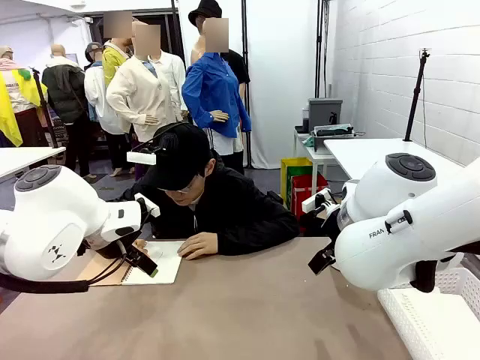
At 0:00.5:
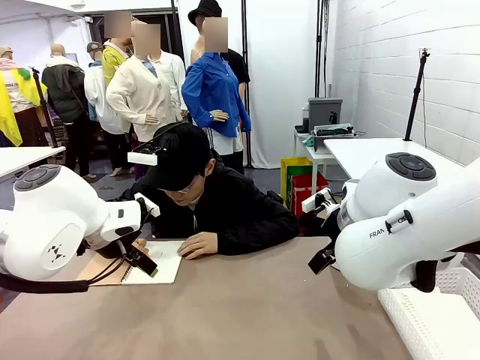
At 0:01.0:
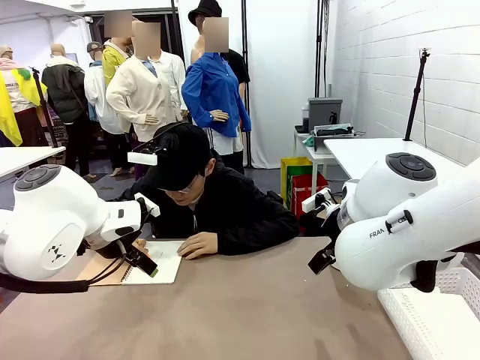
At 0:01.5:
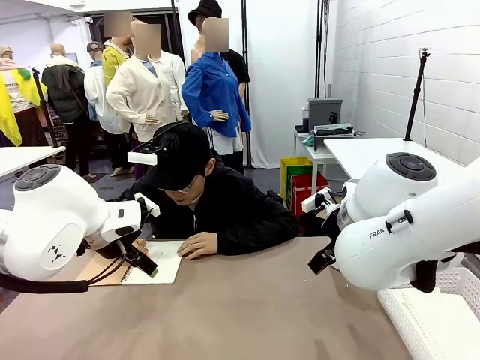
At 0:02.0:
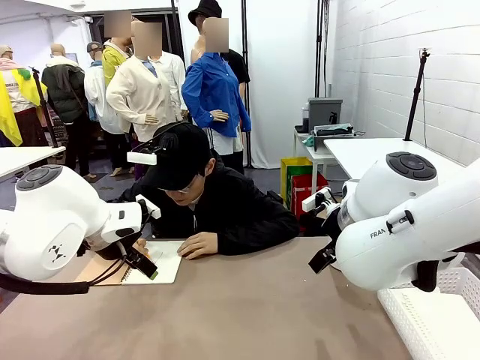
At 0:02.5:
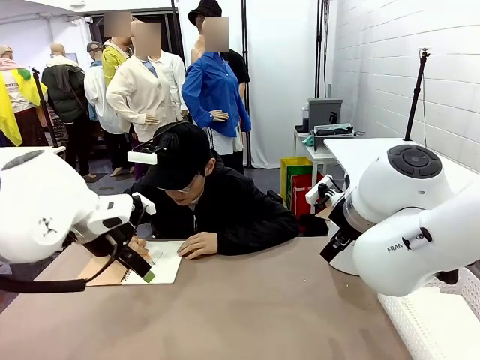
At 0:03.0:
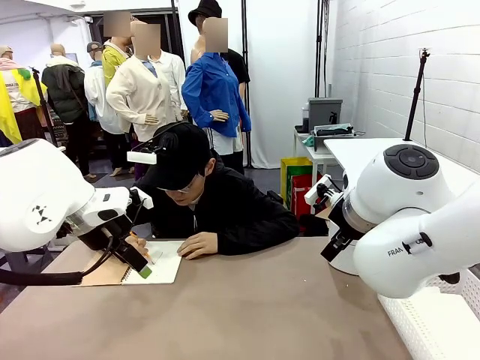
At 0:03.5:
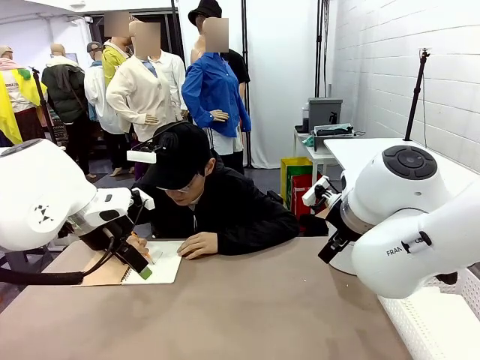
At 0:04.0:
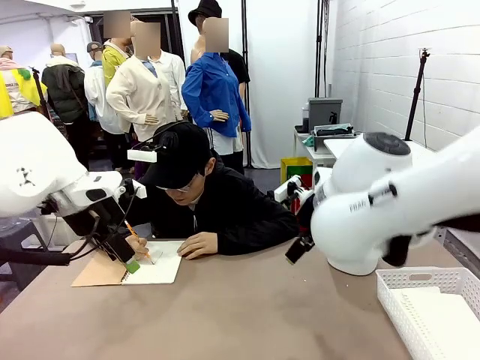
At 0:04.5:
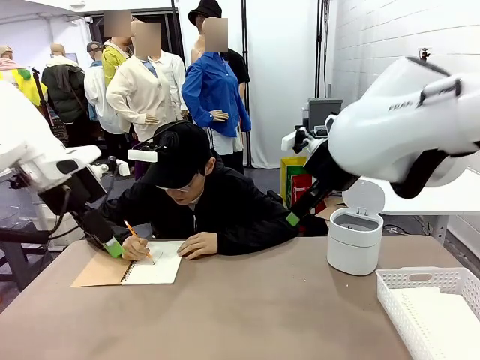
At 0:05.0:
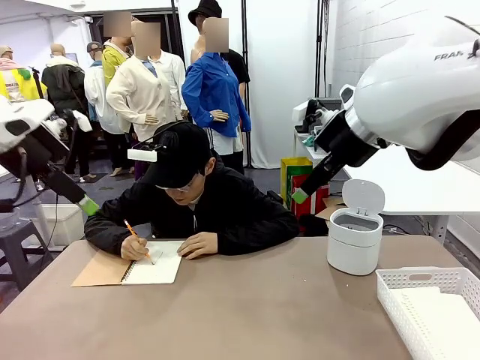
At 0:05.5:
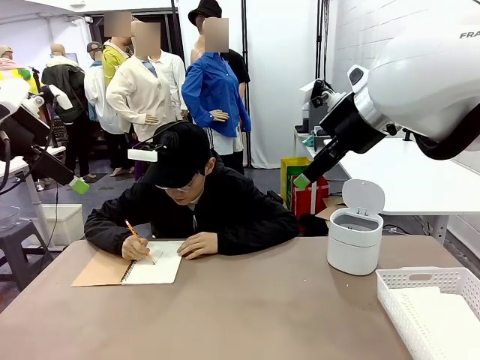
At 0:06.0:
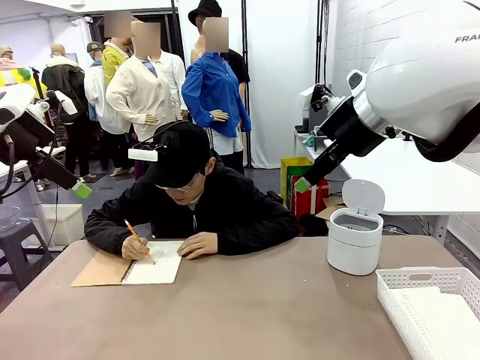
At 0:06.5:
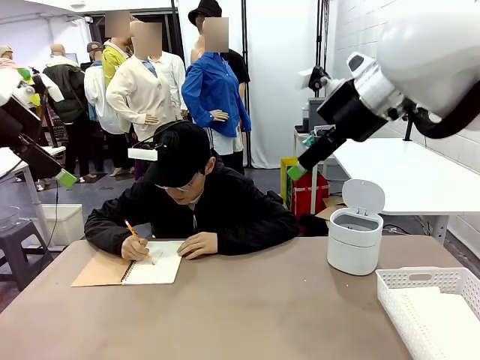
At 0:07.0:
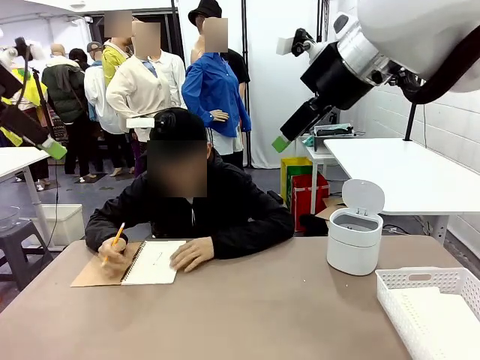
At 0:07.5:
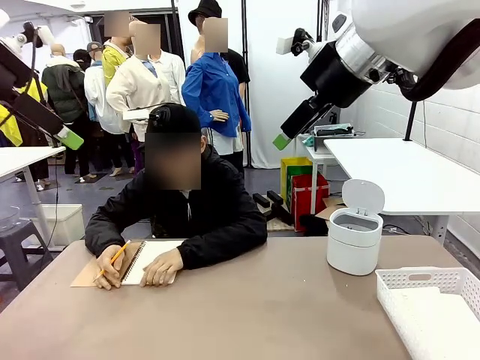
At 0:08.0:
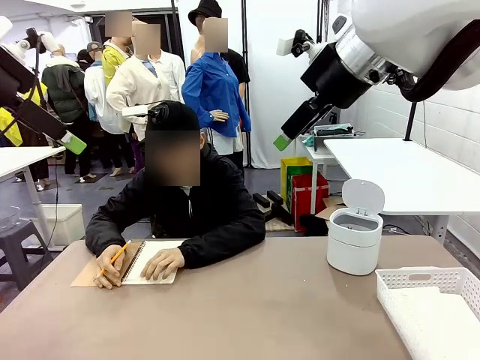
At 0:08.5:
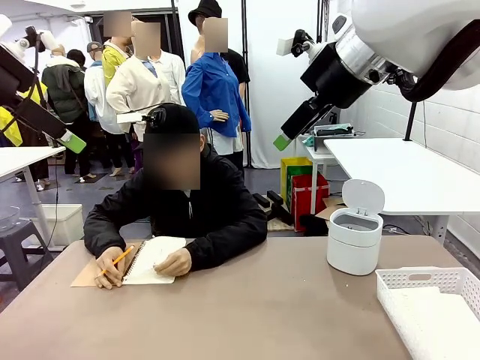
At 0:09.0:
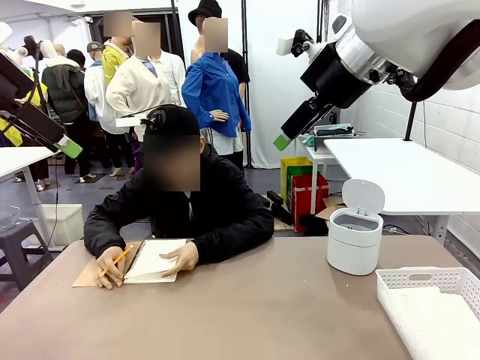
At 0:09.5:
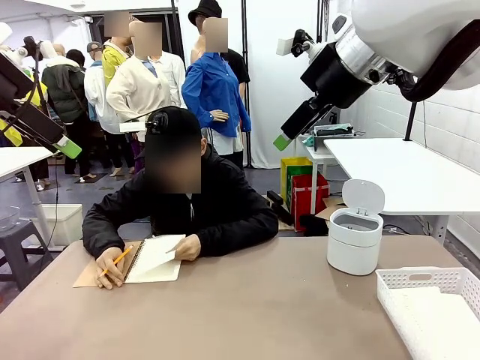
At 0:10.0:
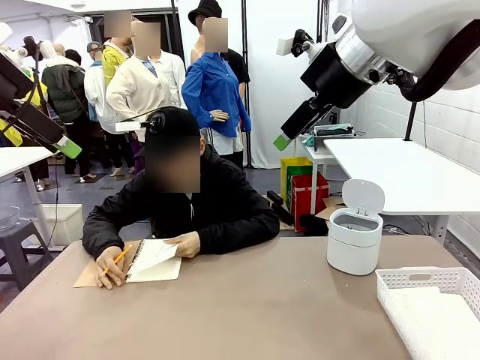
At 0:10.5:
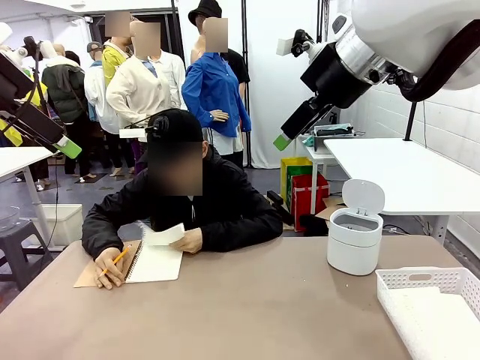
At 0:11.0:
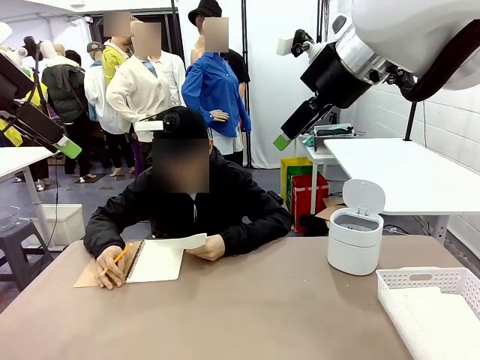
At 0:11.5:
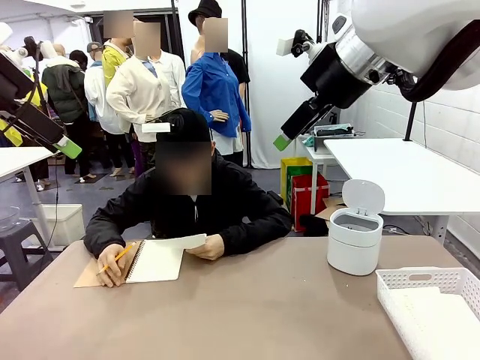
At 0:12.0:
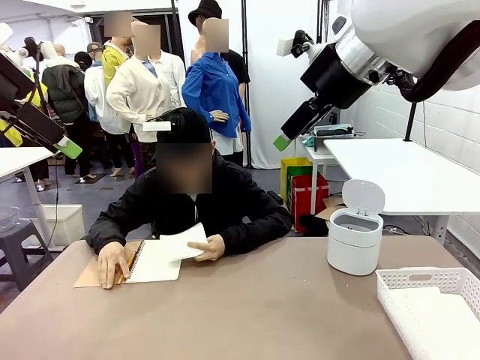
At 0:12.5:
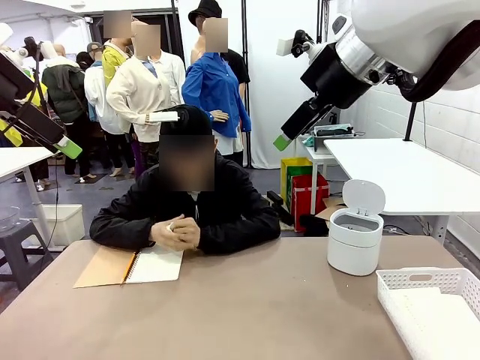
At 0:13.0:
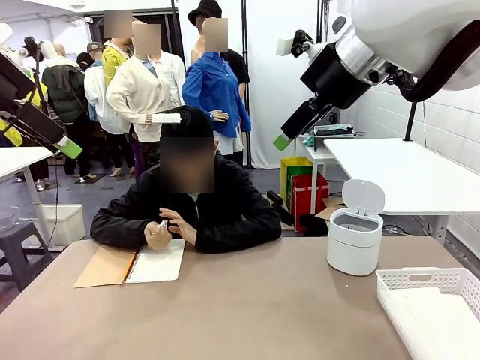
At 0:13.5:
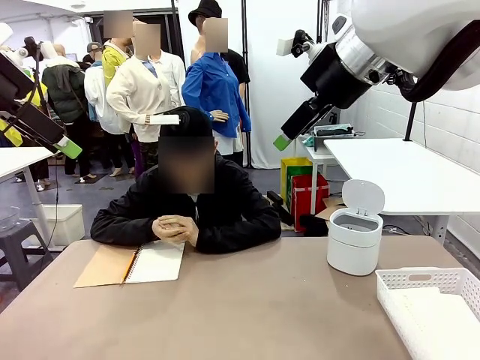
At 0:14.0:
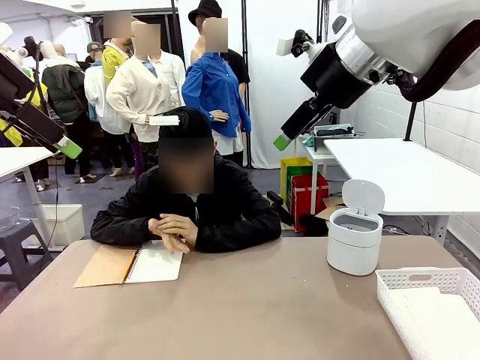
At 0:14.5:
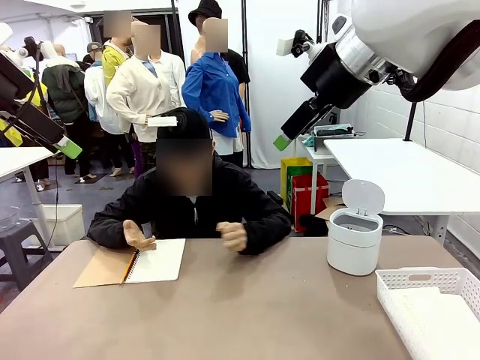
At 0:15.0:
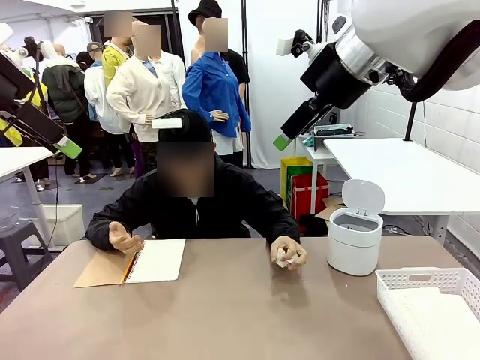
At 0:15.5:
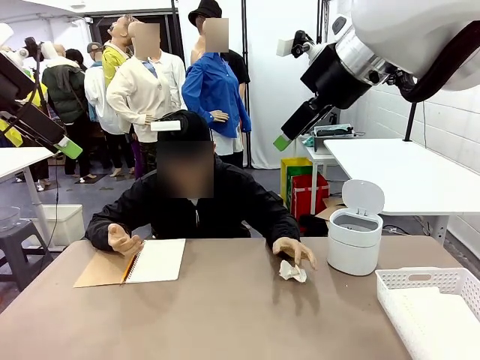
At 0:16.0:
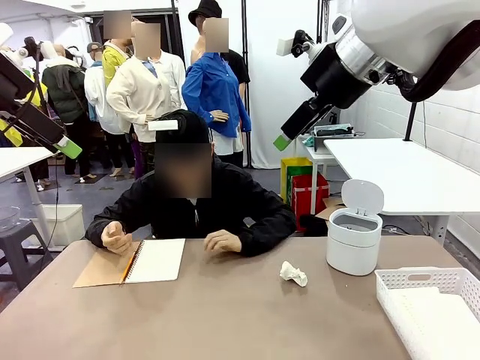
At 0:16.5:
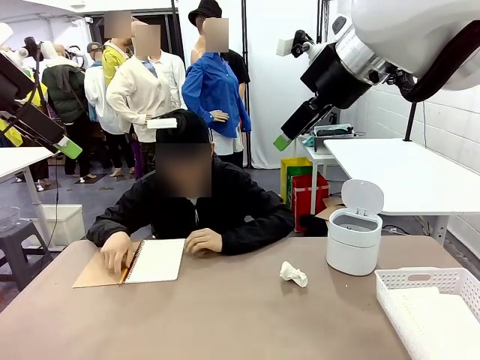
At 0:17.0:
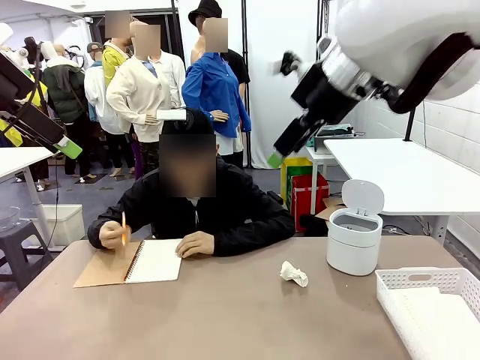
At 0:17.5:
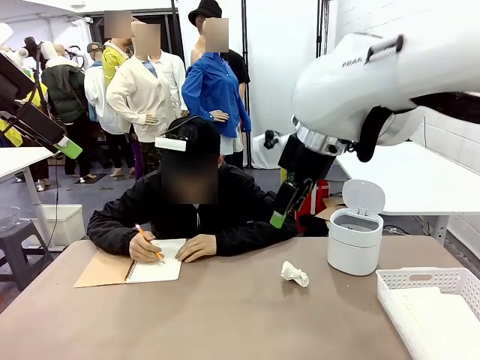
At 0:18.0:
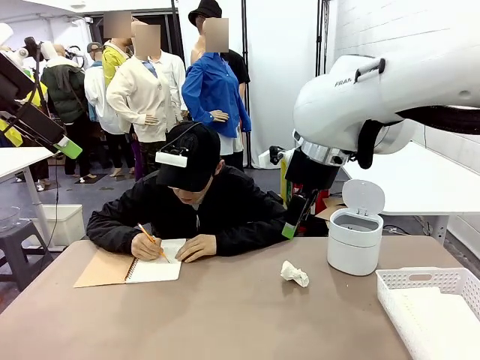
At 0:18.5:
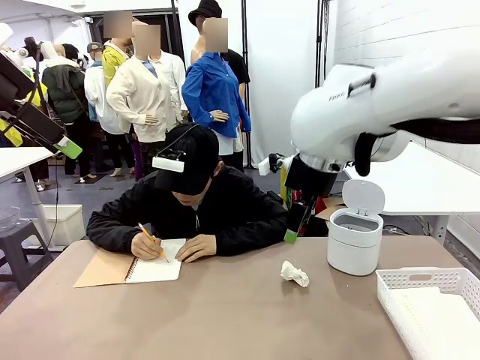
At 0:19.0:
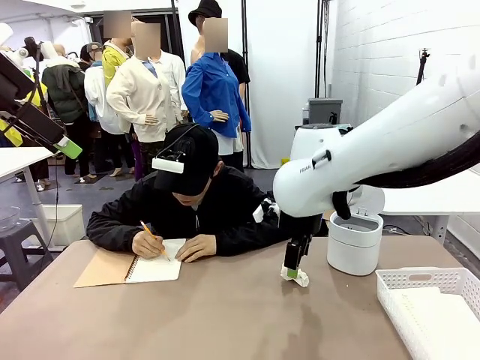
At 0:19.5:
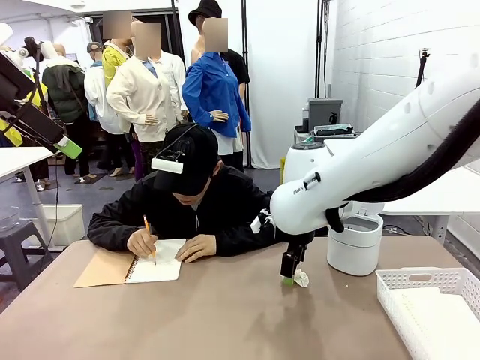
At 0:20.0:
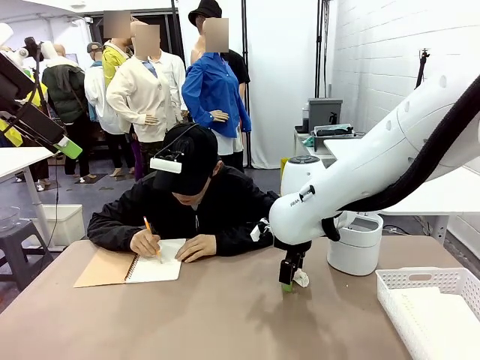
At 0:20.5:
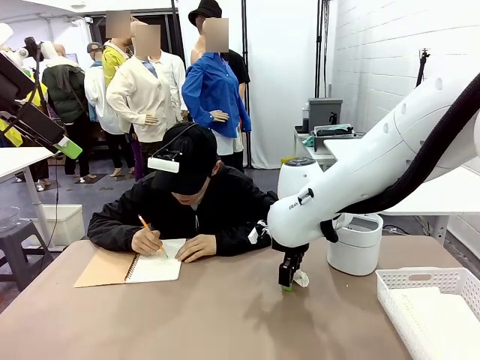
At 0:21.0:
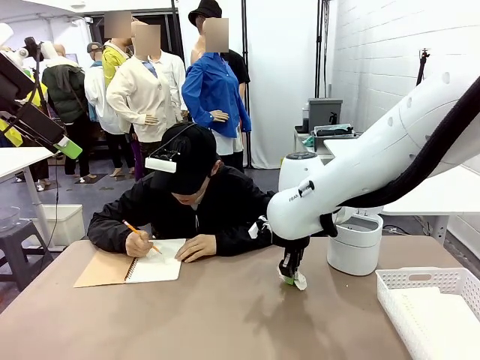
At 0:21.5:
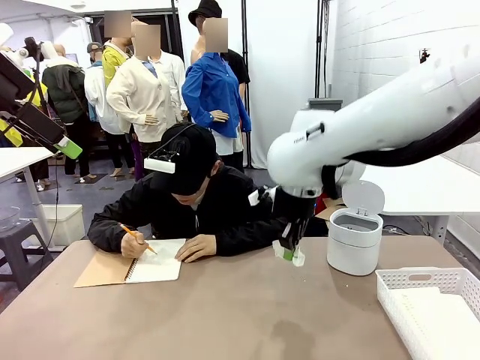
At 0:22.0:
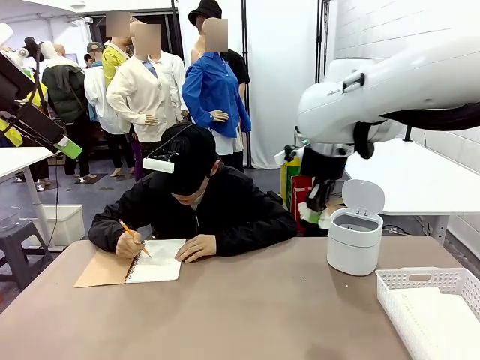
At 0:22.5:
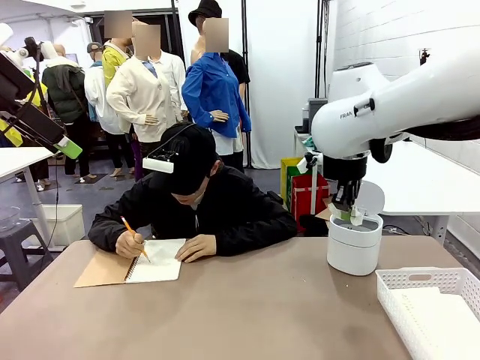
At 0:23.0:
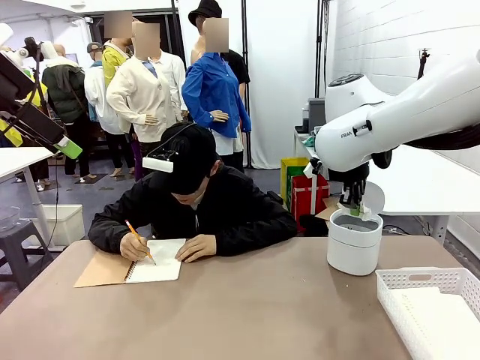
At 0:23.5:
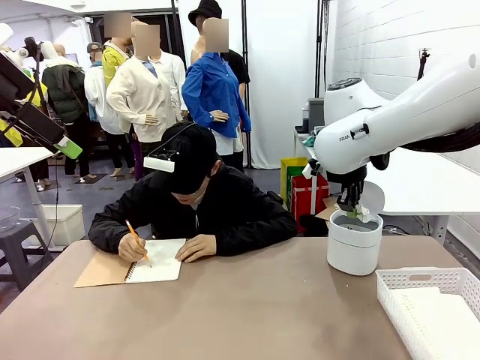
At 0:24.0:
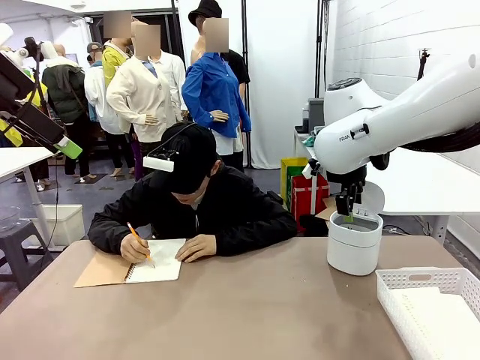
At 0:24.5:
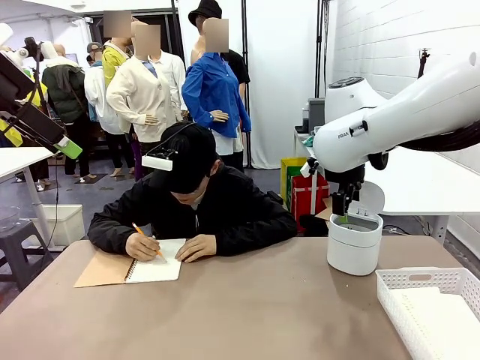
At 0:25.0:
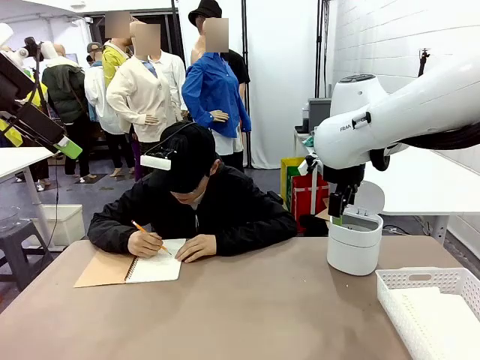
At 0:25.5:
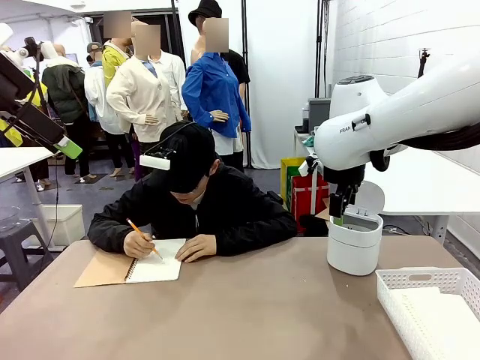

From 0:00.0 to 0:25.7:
Task: Sort the paper based on its condition.
Robot: If a person hands you a paper, place it in the Organizing basket , and if it's crumpled, put it in the Trash can.
Person: Tear out a page from the spiral notebook. Hand the torn page to the robot or crumple it and throw it to the center of the table. Tear out a page from the spiral notebook.
